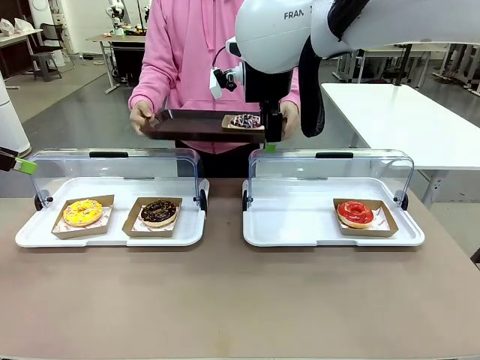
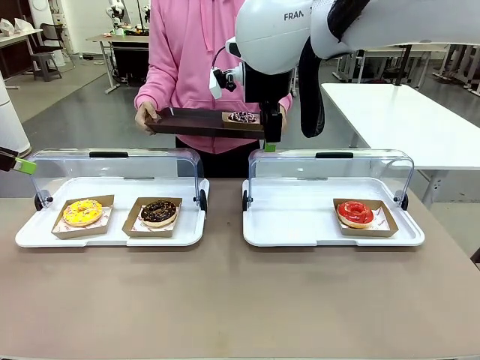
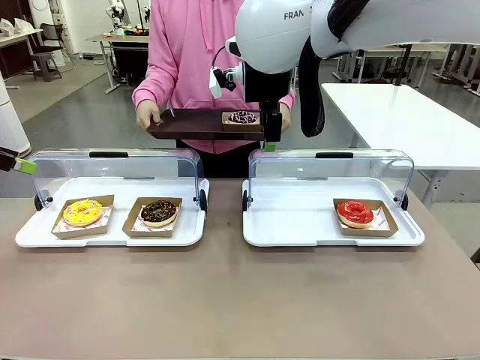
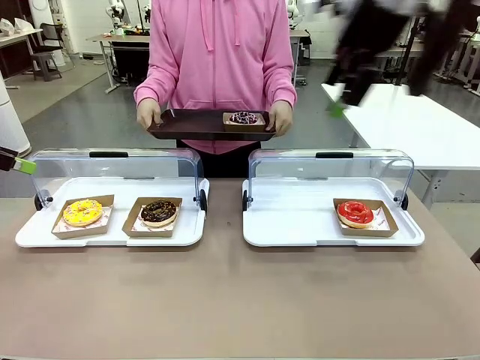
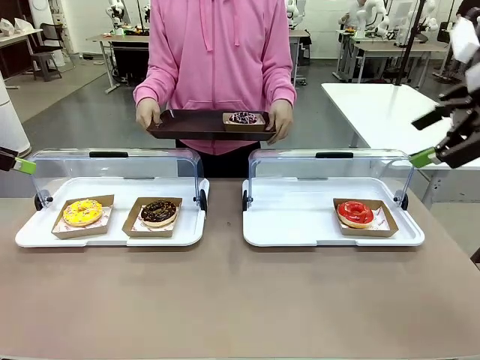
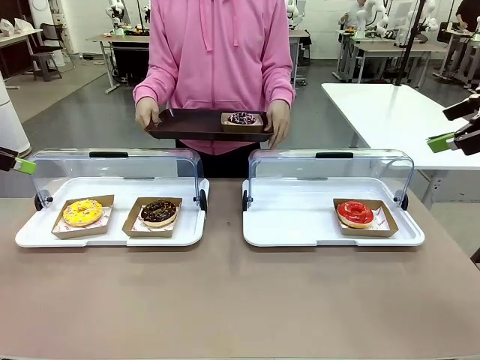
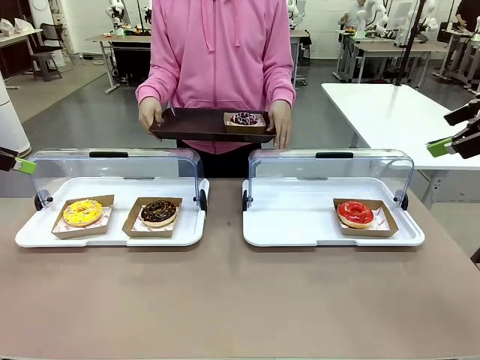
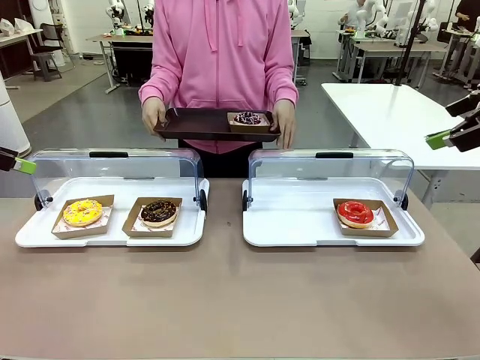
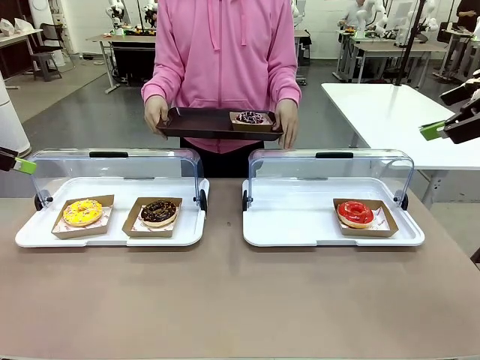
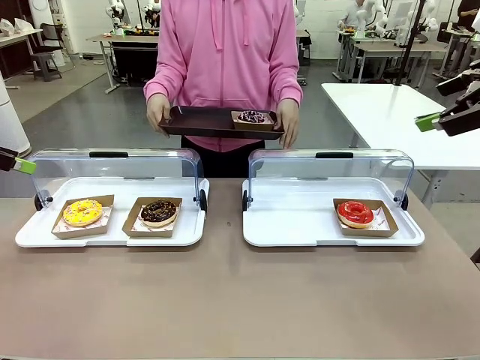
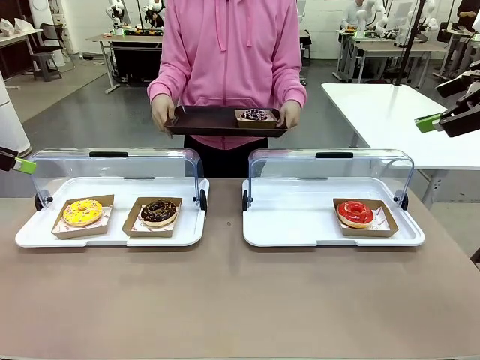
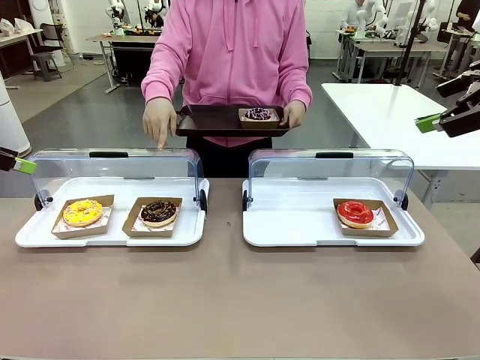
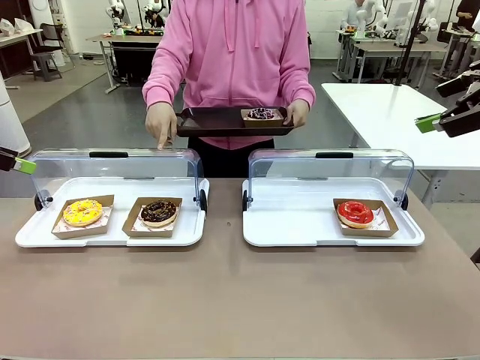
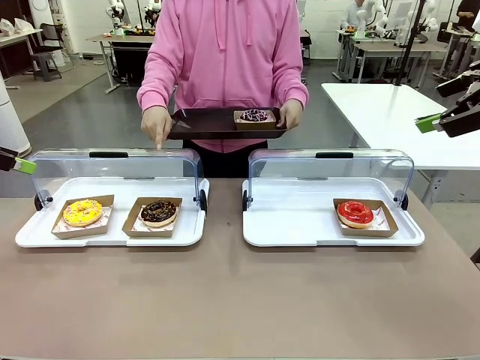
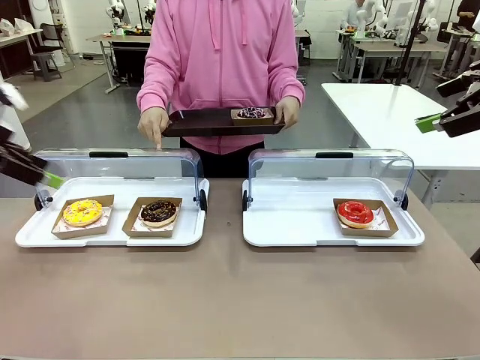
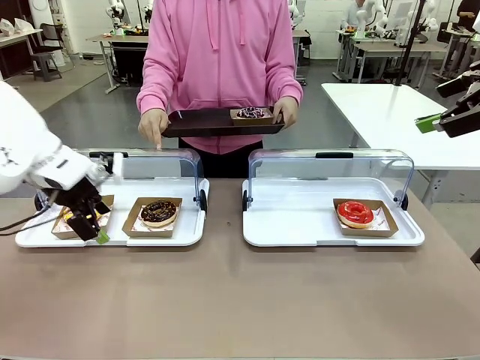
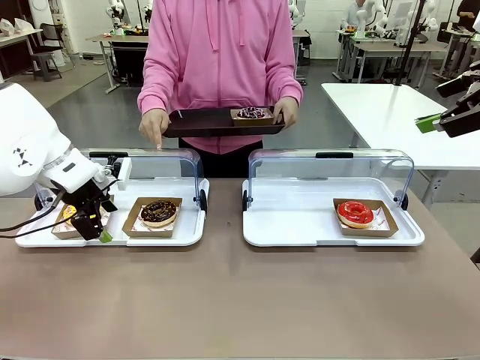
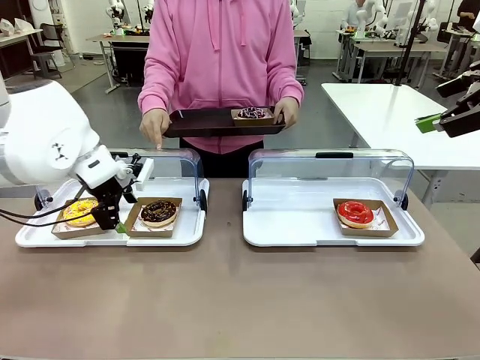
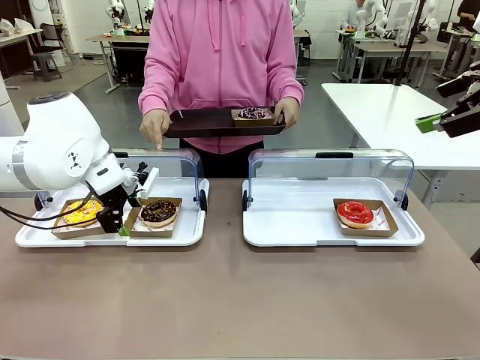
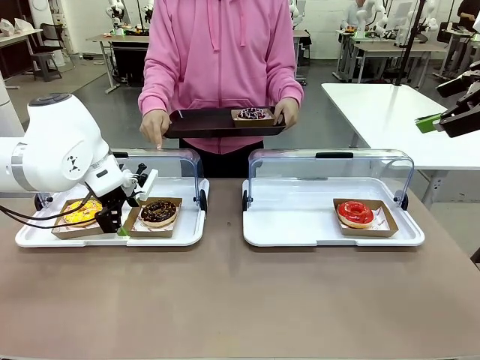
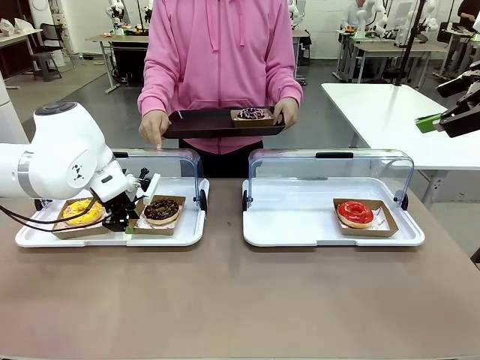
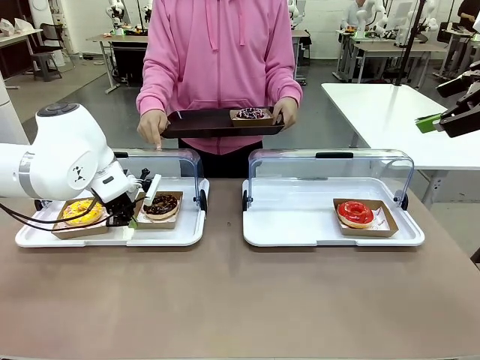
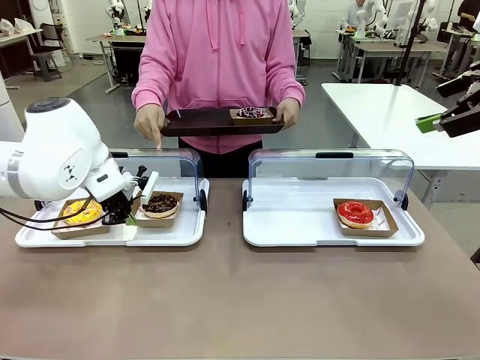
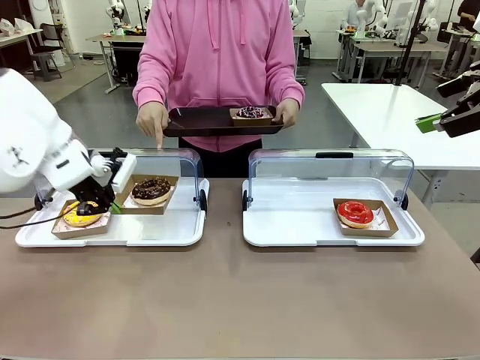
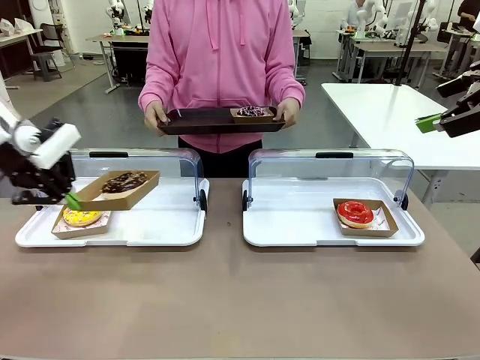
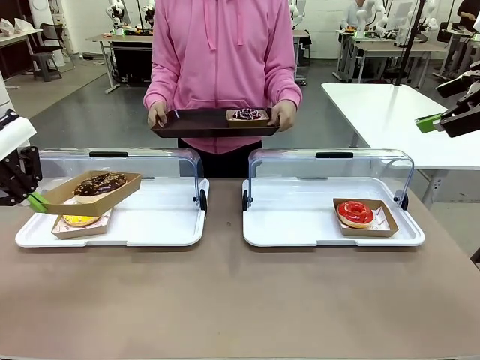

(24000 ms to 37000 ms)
Task: Provide the desired donut to the person.
Robot: Pick up and lift the Paper togo box containing the Donut pointed at by the person.
Person: Point to one donut. Lift the tray onto the Roll-Top Bakery Case.

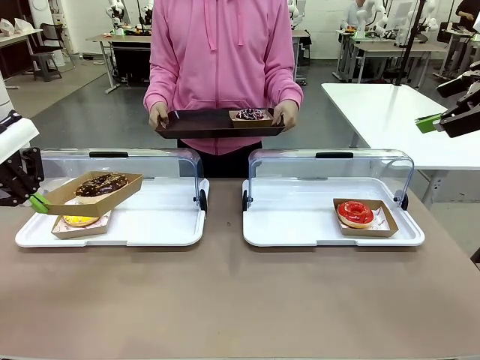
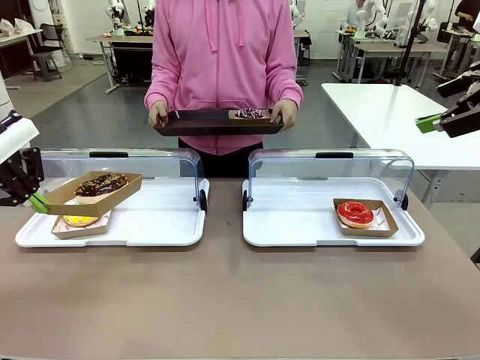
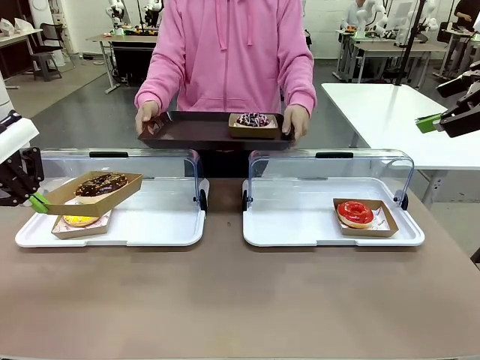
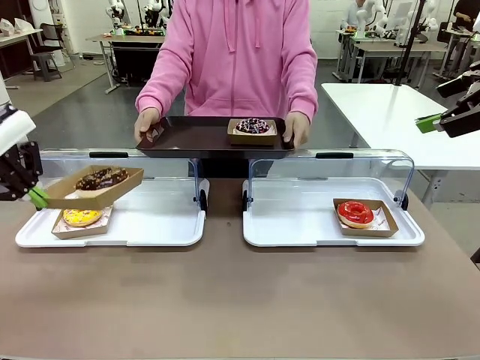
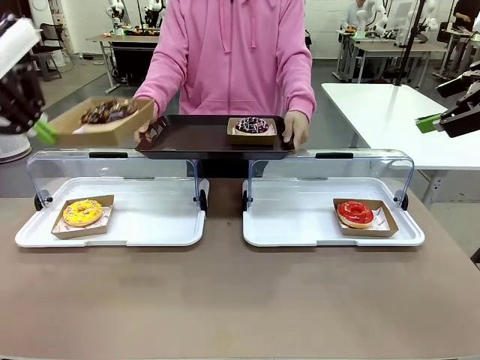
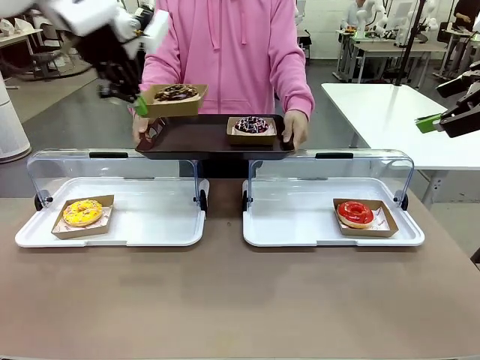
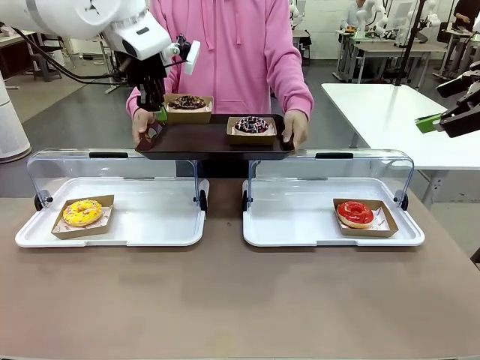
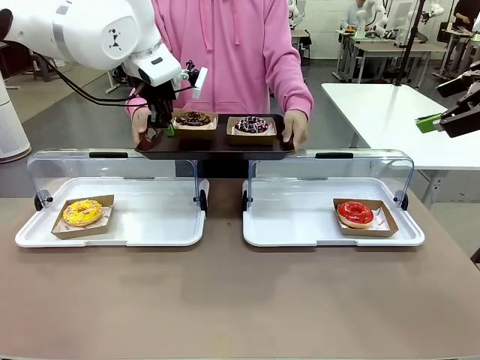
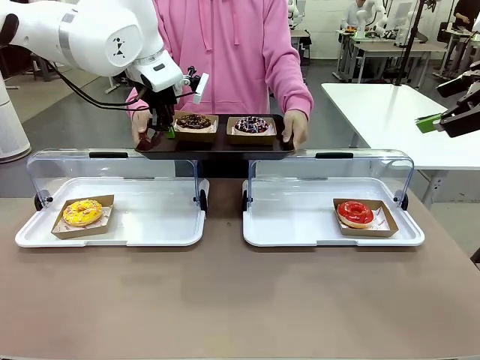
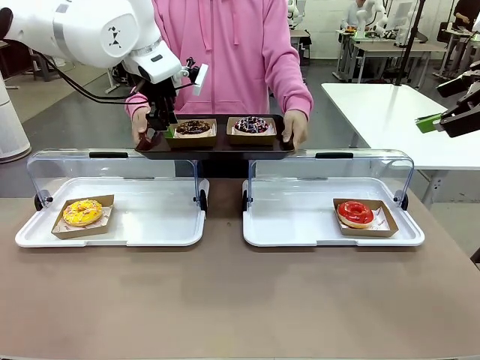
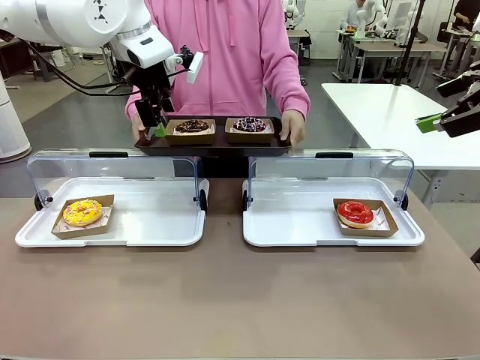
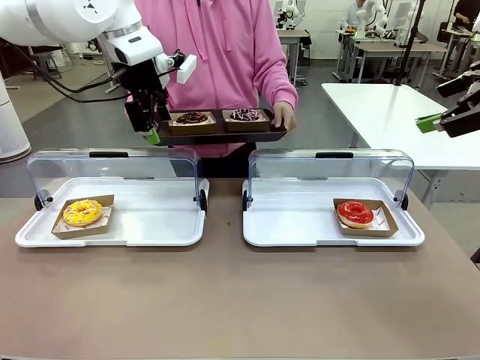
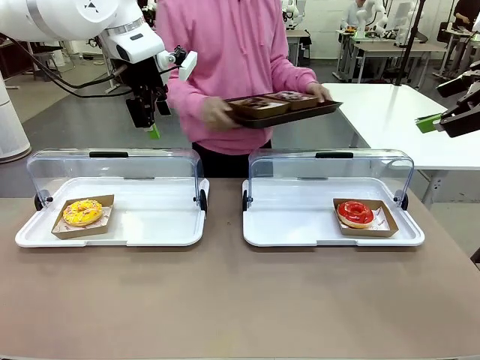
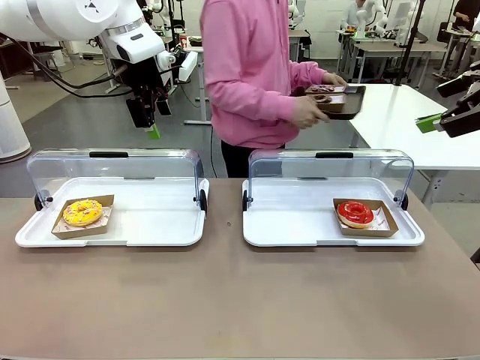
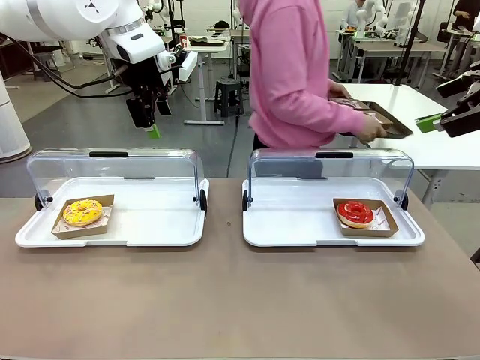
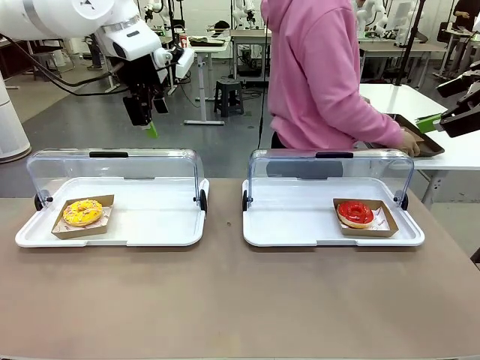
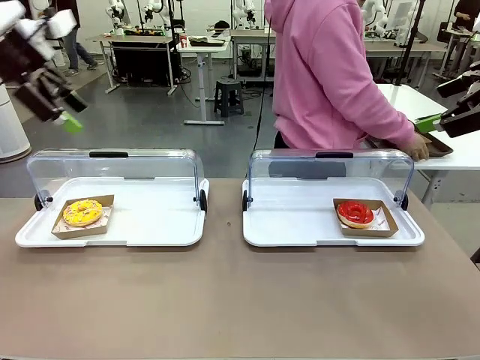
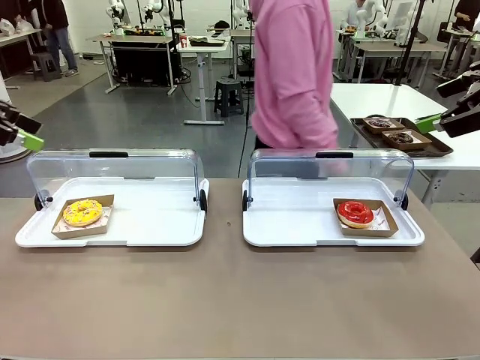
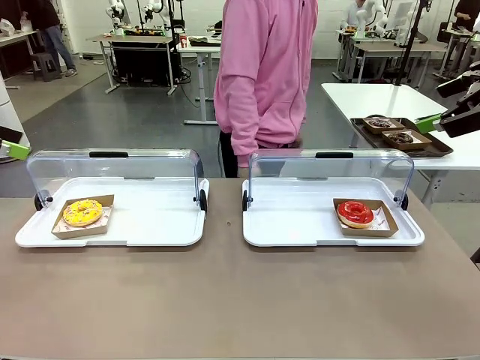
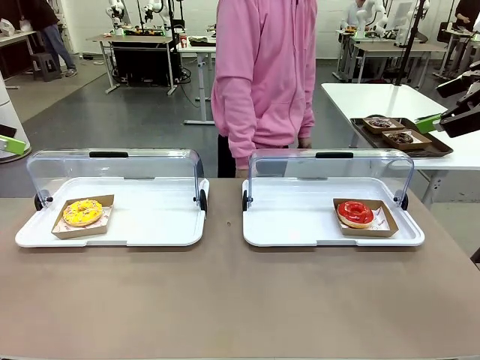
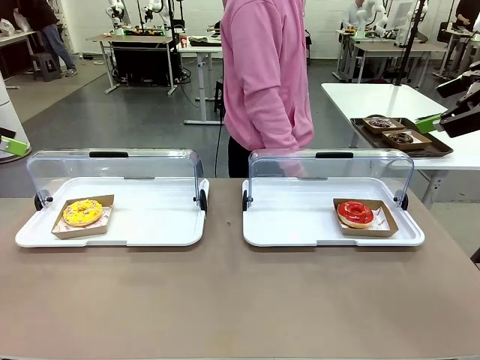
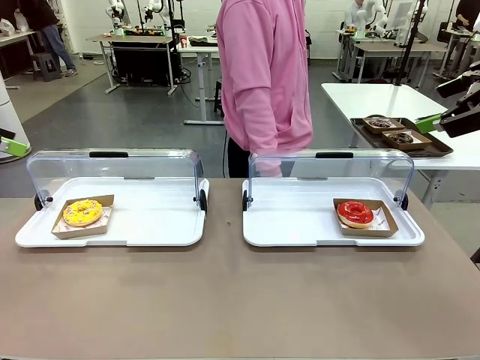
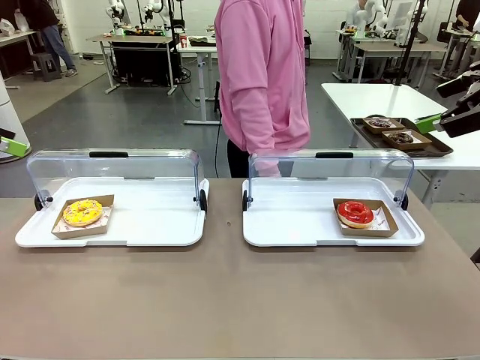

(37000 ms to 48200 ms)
Robot: Place the picked Paper togo box onto the Handle tray extended by the person.
Person: Place the tray in the middle of the human table.
